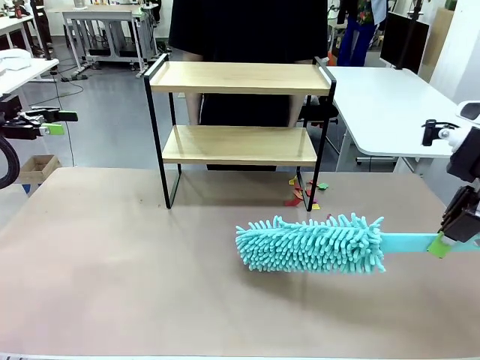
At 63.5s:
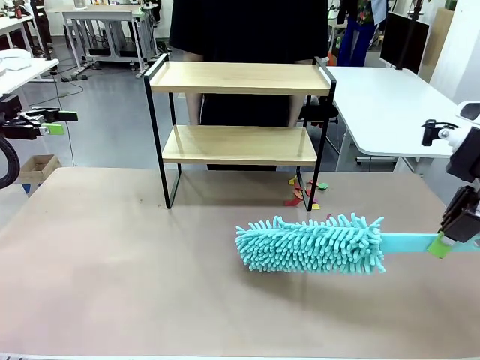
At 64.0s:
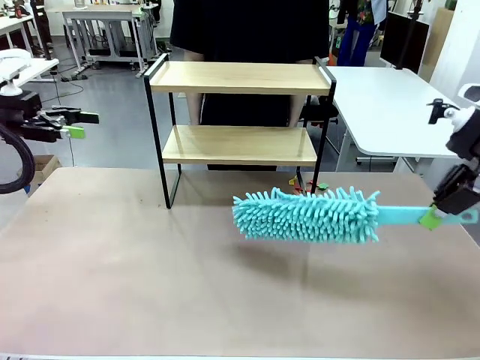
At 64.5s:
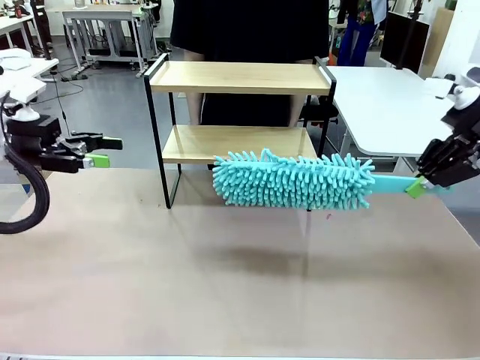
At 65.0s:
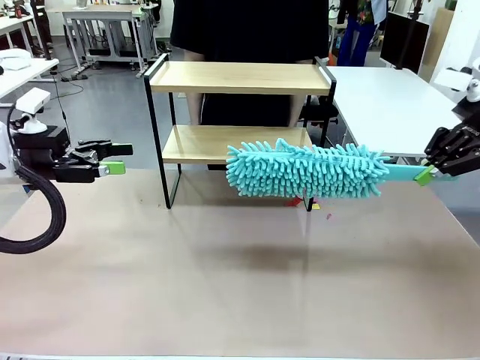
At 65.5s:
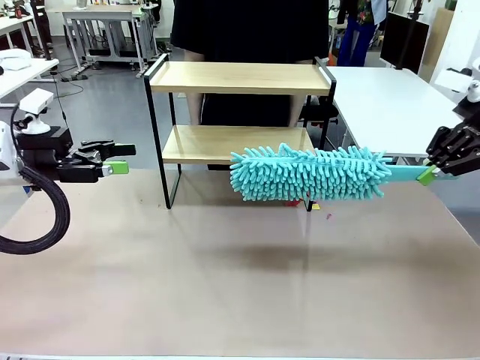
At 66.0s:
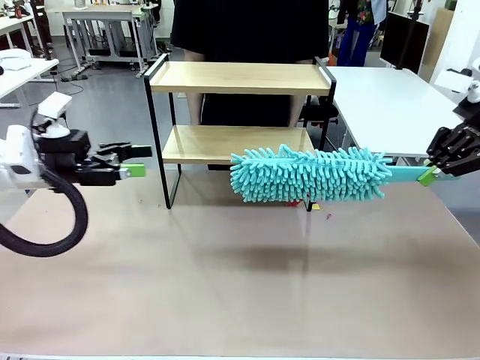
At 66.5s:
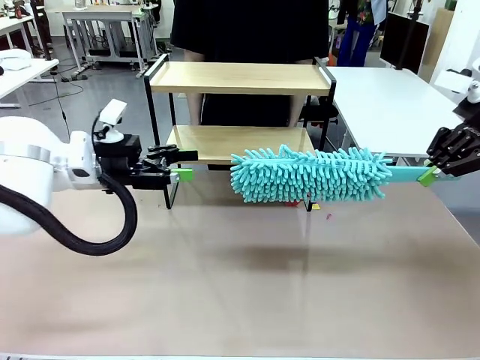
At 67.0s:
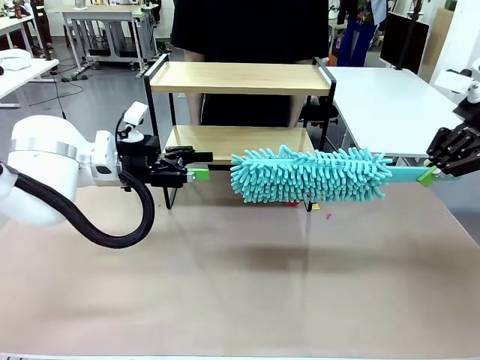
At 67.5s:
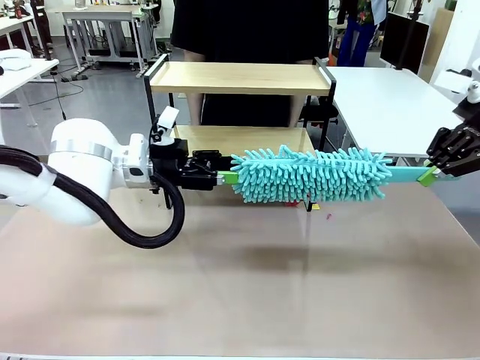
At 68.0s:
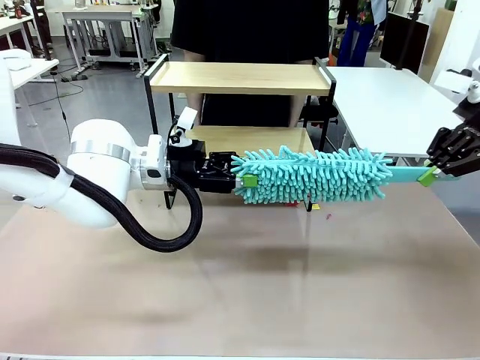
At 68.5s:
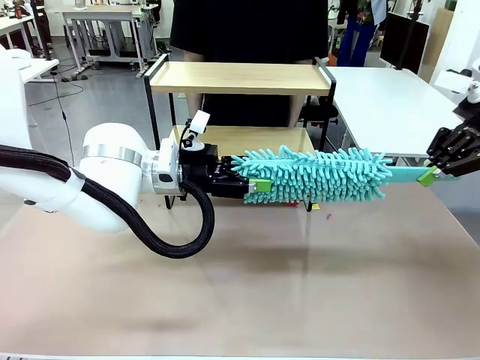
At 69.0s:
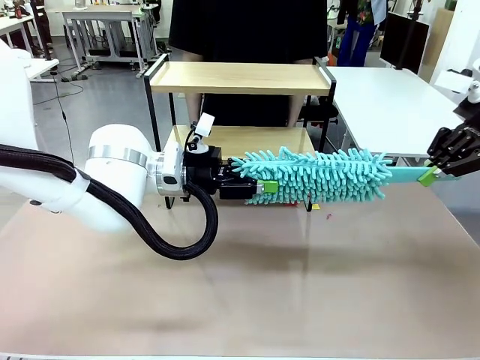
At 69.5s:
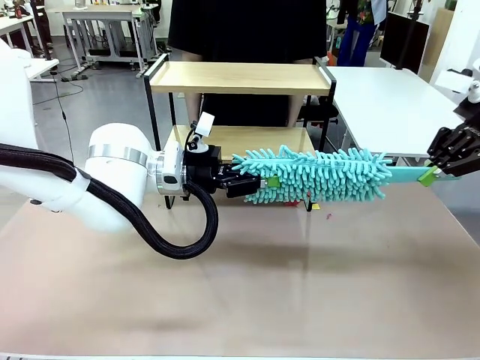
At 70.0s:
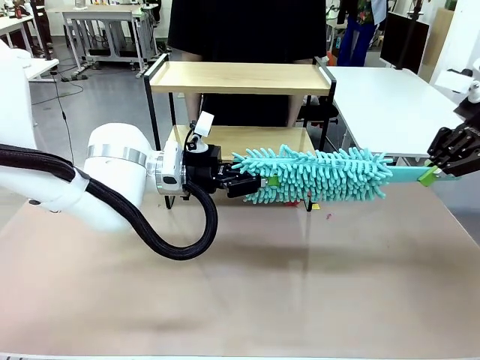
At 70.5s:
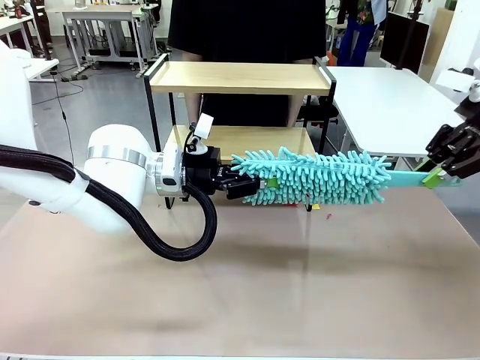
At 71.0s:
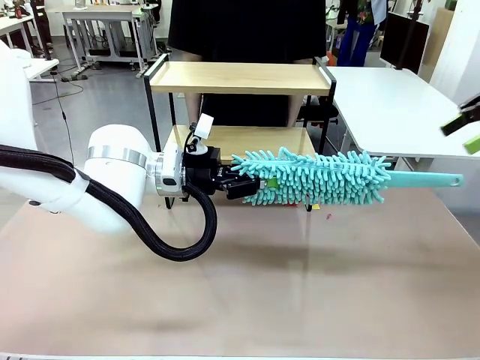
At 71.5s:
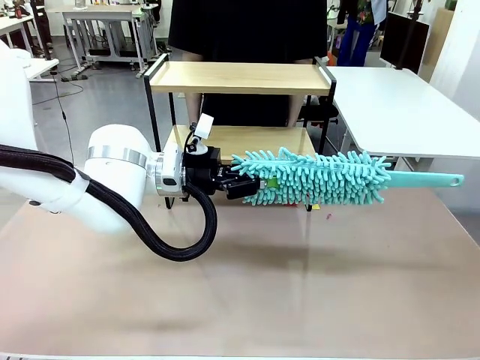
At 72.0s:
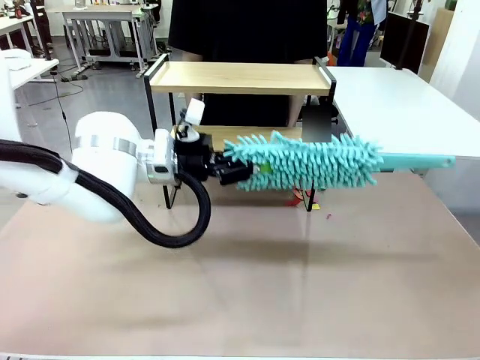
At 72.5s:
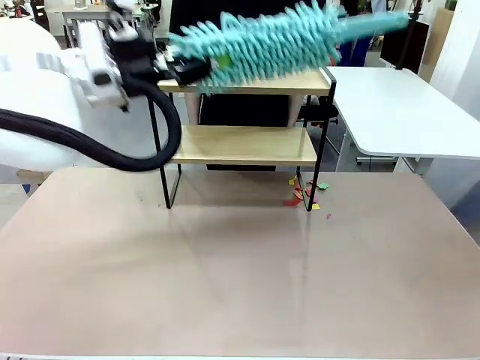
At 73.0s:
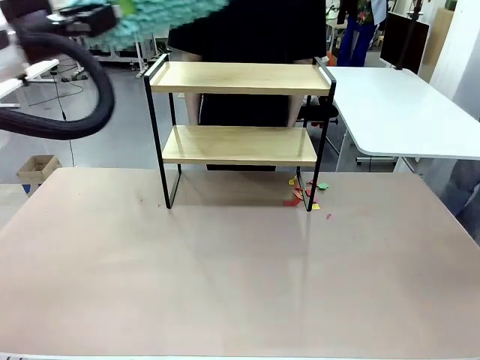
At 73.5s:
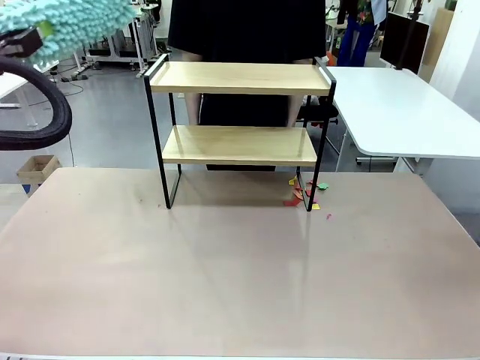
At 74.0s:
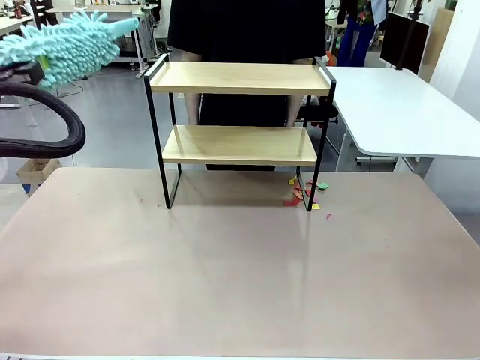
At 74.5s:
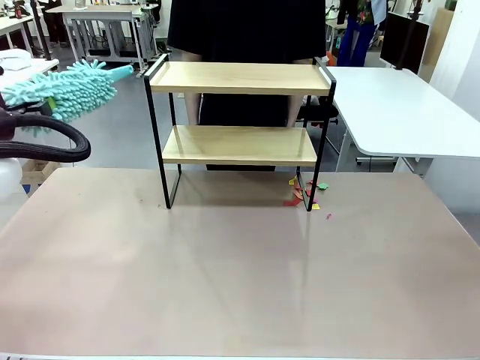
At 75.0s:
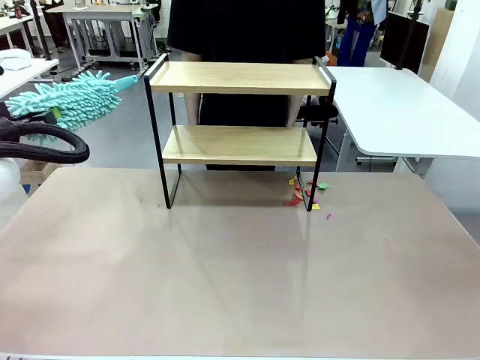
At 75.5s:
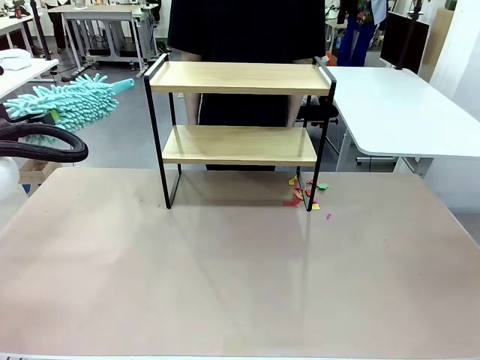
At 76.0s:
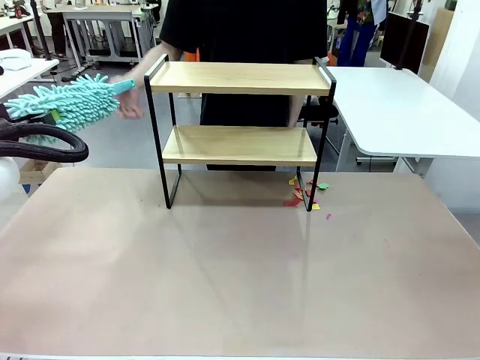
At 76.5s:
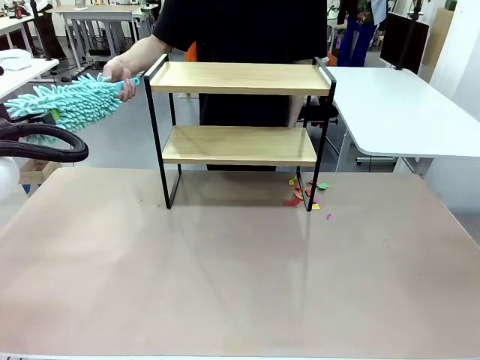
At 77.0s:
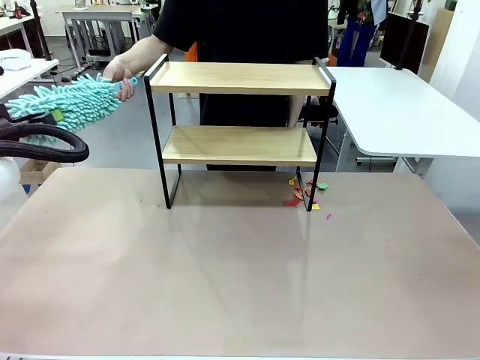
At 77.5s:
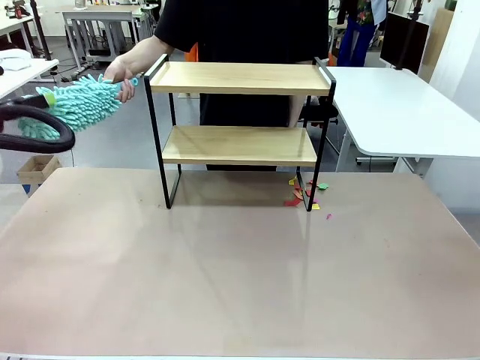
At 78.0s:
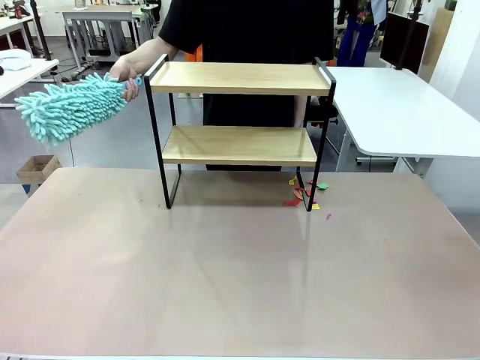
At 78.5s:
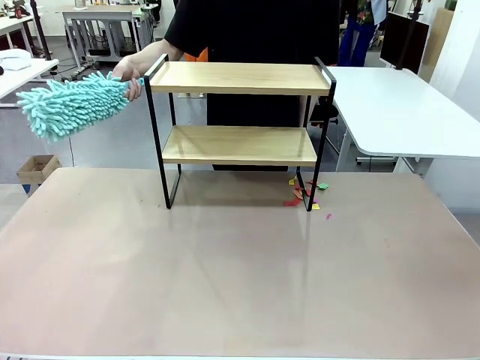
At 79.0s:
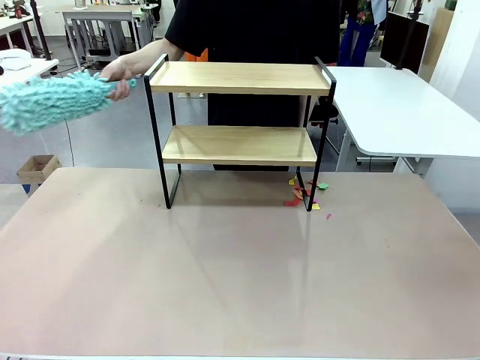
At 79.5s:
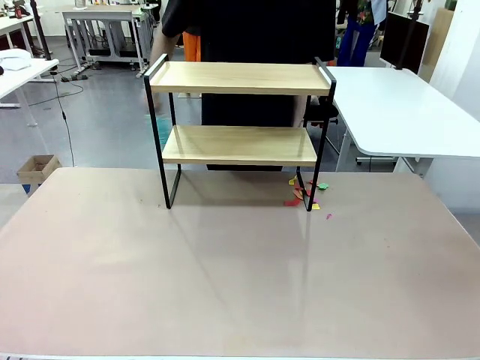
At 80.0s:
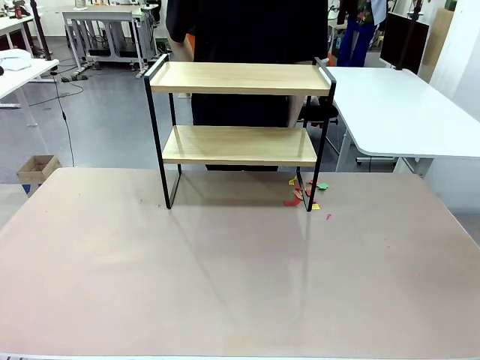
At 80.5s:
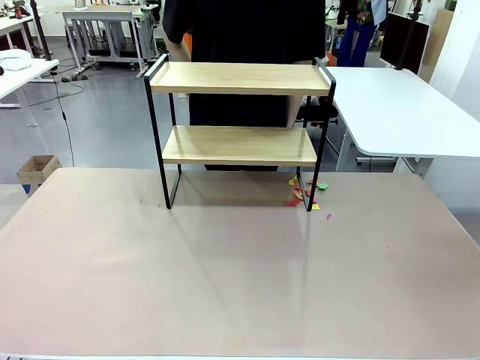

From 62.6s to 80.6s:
Task: Clean the shelf.
Robot: Hand the Duster back to the human.
Person: Receive the Duster from the robot.
